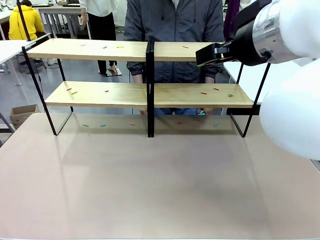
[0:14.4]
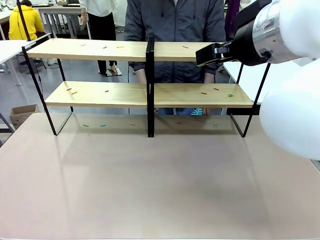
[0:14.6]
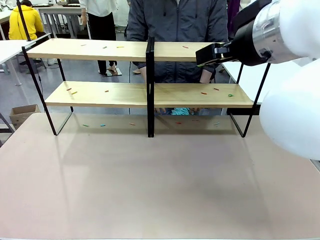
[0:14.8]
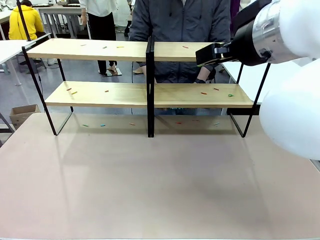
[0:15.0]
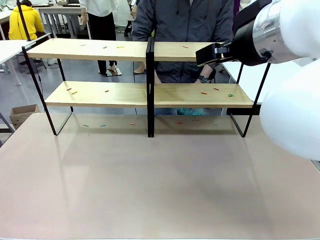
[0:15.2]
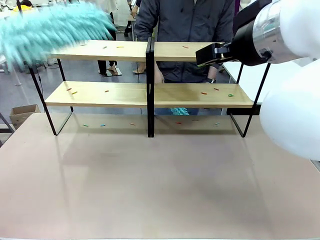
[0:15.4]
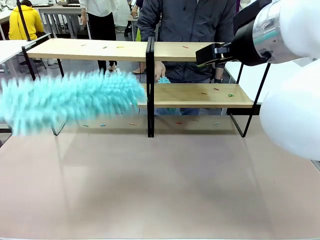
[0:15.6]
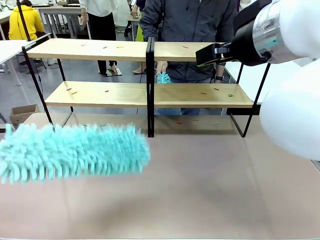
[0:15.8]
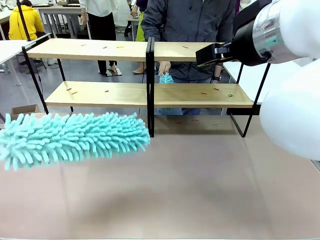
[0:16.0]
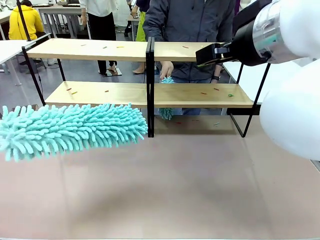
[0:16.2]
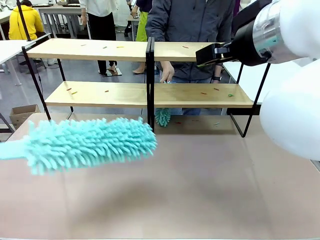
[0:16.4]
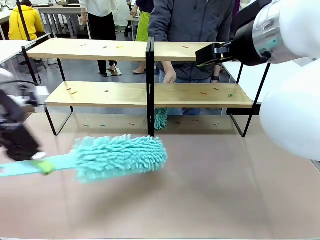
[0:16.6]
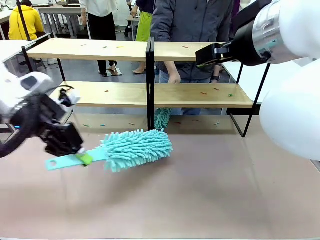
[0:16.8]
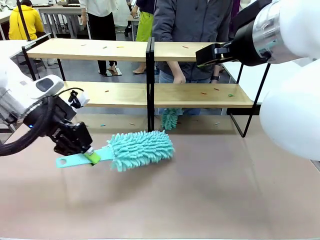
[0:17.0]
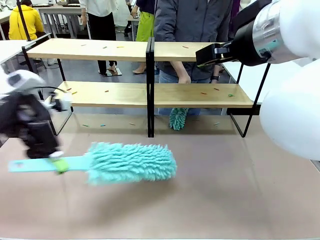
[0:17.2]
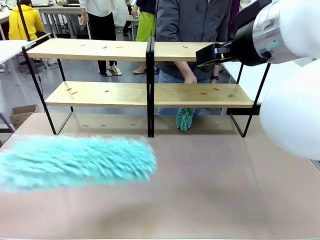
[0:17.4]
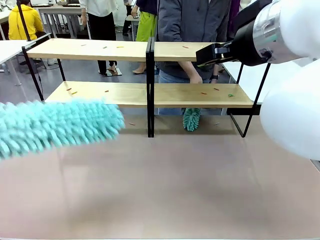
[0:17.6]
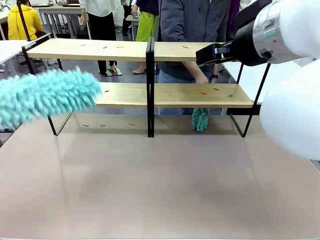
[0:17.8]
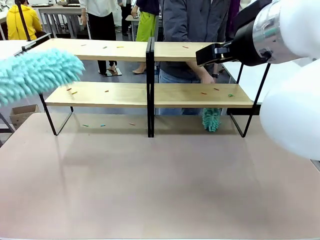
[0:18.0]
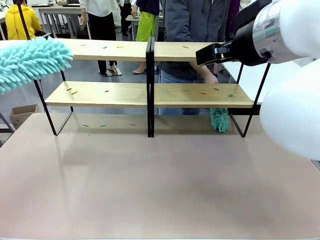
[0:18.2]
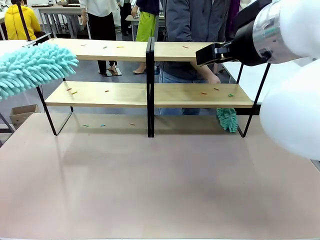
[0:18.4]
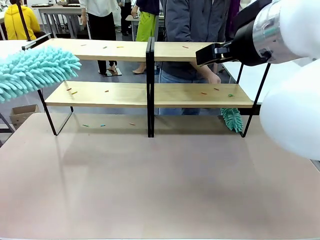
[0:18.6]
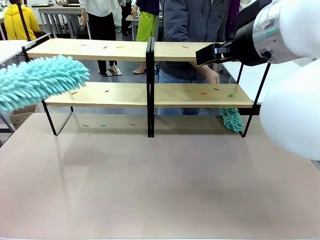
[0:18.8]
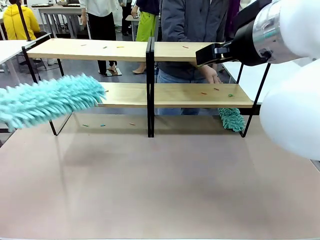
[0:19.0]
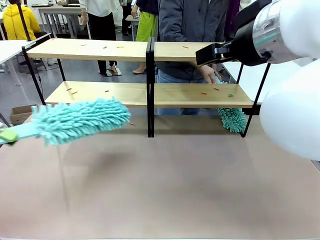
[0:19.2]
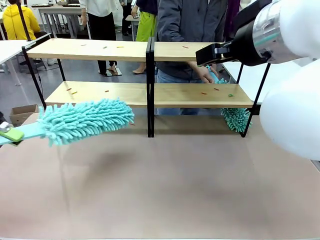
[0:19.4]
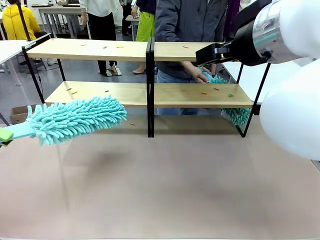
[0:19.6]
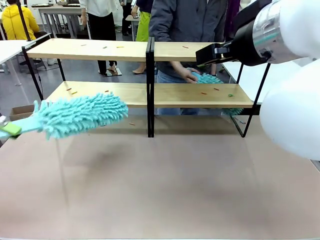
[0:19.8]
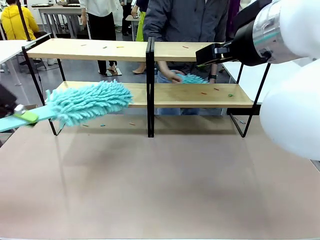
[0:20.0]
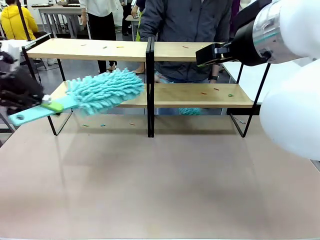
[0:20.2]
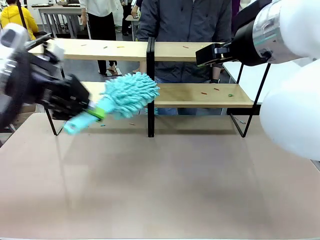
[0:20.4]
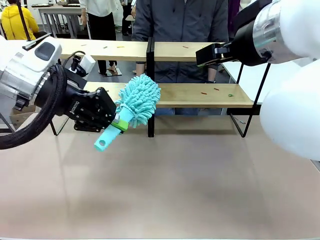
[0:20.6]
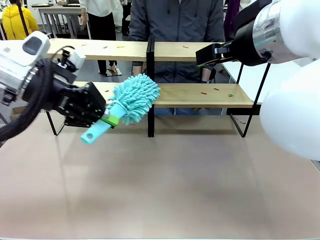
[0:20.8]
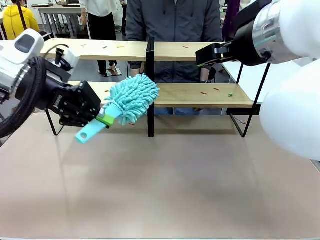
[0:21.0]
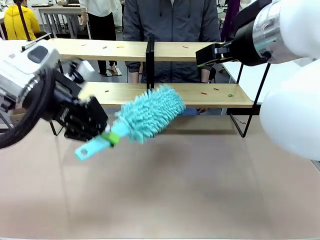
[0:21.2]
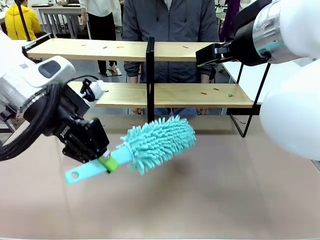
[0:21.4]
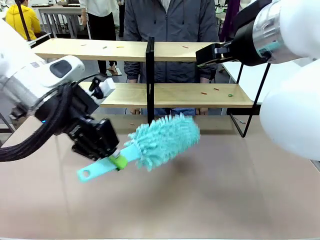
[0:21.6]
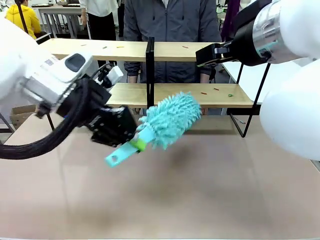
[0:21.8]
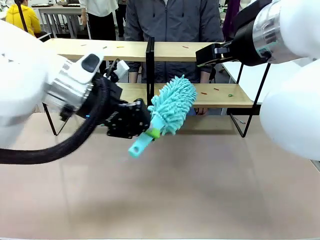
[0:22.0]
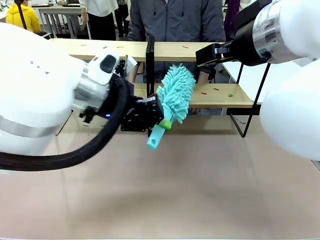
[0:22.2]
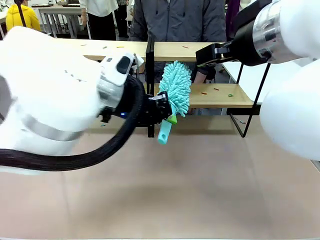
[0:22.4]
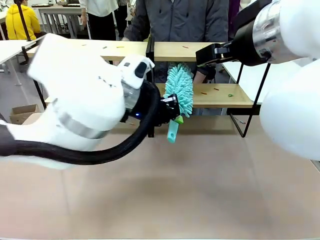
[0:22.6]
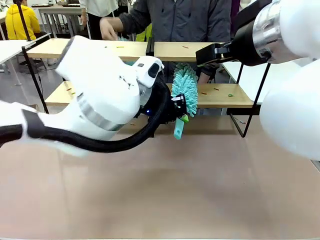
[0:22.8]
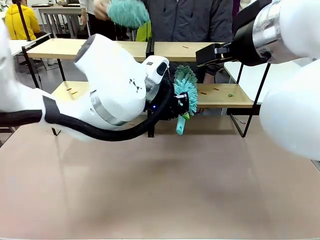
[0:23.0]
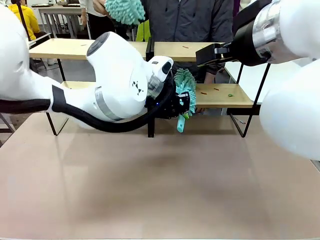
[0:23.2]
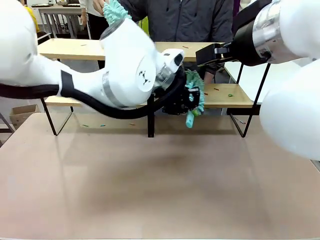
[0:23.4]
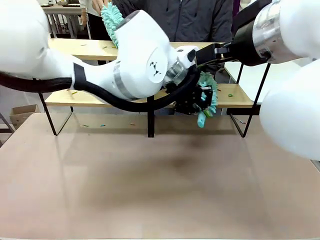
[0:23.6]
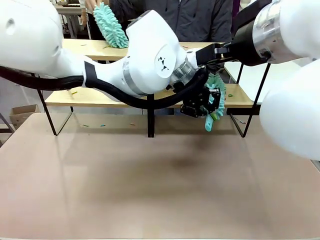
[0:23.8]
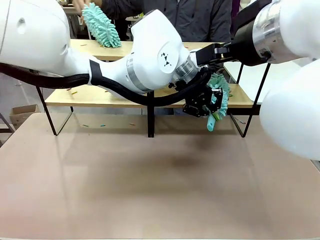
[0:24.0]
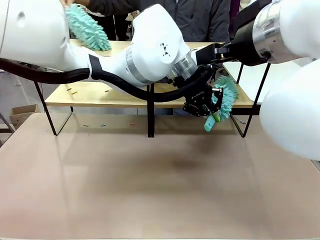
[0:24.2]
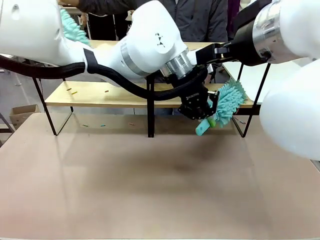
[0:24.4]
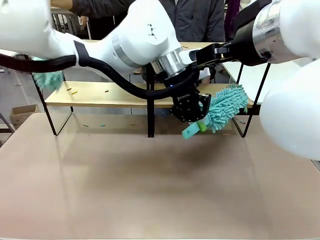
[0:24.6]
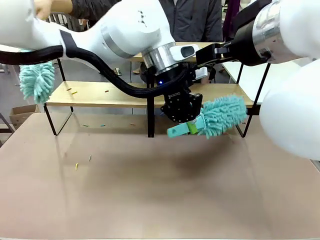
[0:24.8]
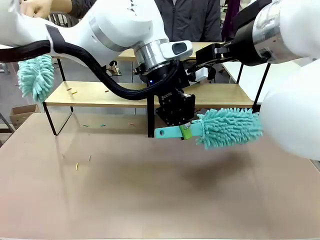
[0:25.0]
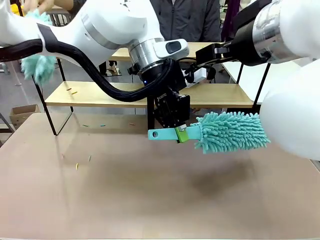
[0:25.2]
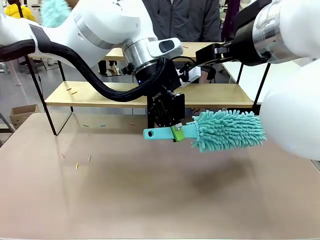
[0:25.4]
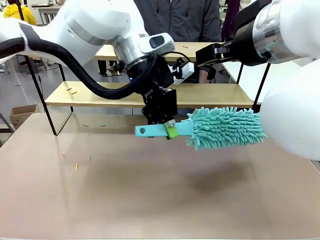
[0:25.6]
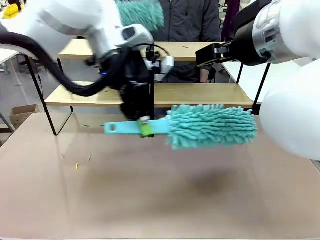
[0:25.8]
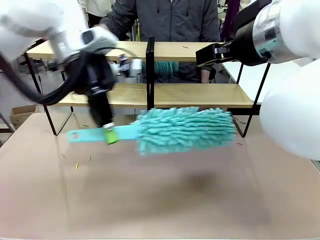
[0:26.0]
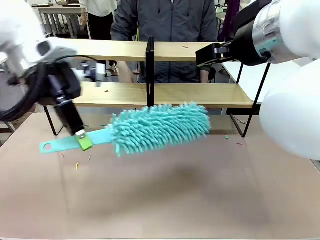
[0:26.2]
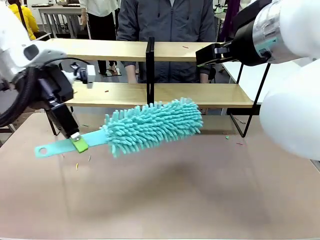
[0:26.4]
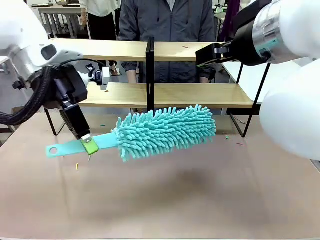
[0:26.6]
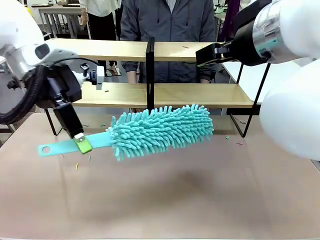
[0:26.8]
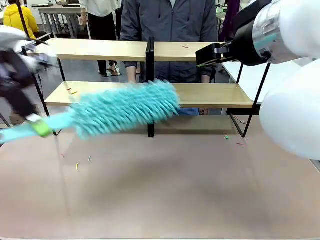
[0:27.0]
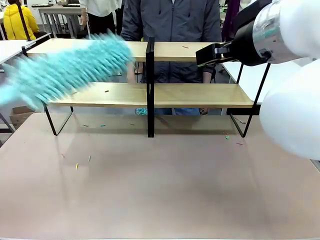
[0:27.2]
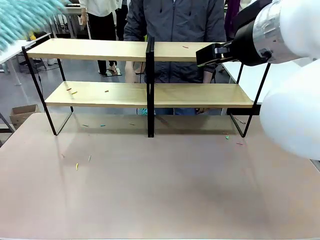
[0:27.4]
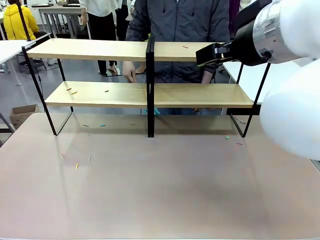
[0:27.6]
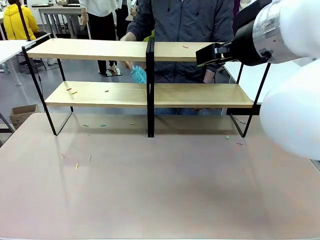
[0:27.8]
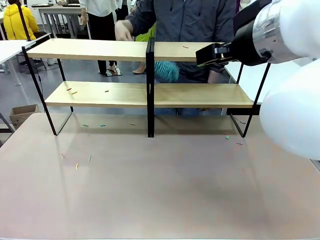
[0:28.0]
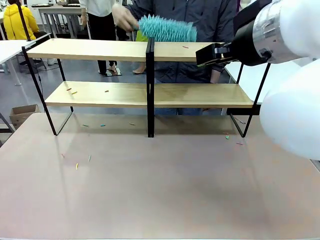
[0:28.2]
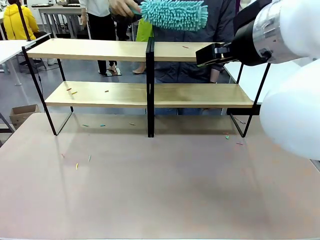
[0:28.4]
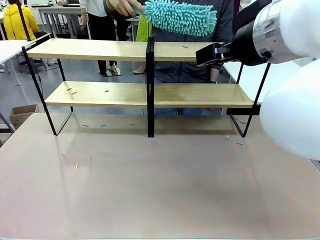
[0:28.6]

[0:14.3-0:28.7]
Task: Clean the shelves.
Robot: Clean a randomly selected level of the Shelf with the Duster.

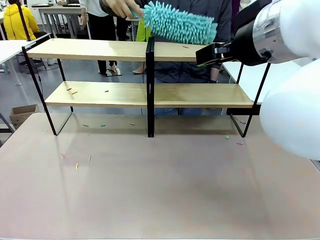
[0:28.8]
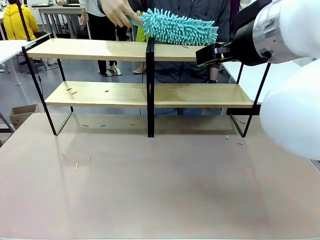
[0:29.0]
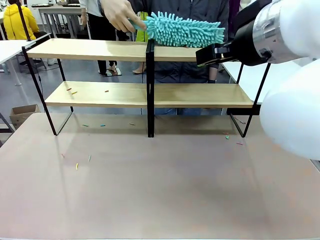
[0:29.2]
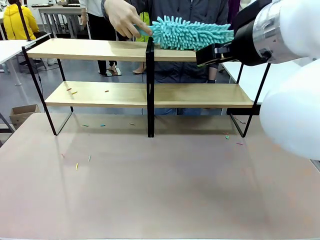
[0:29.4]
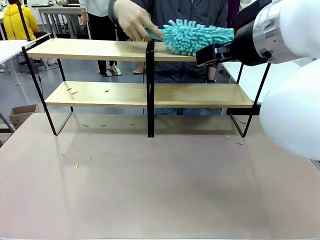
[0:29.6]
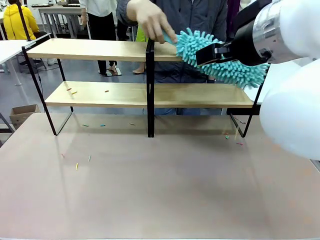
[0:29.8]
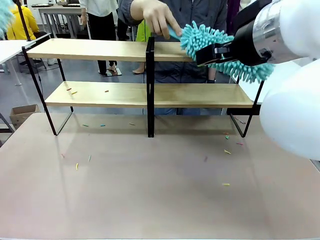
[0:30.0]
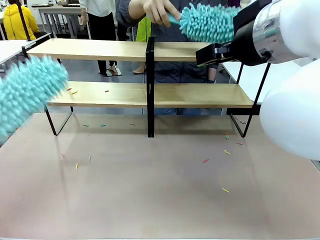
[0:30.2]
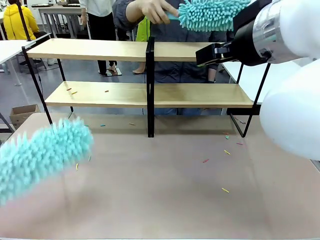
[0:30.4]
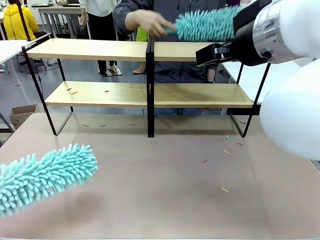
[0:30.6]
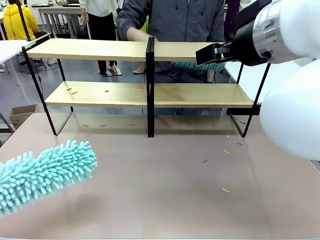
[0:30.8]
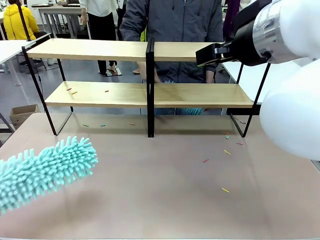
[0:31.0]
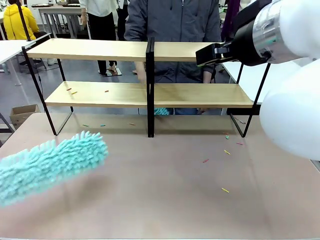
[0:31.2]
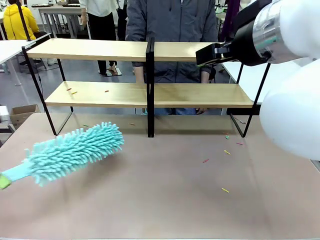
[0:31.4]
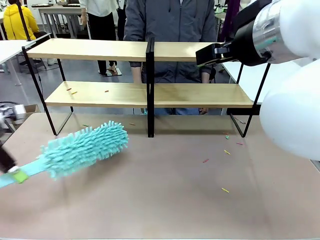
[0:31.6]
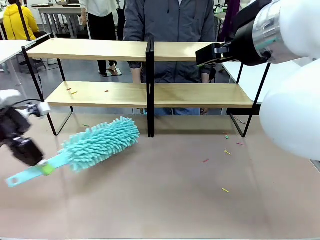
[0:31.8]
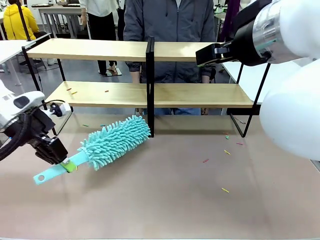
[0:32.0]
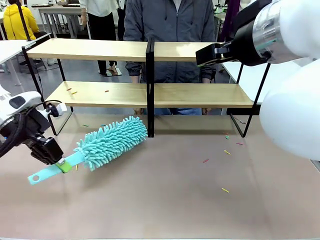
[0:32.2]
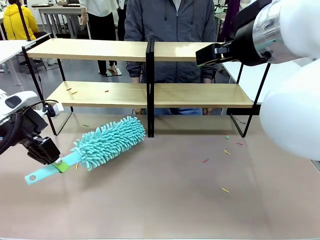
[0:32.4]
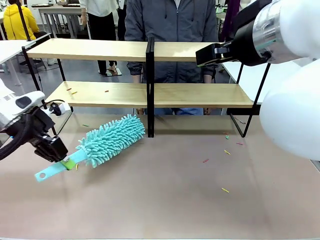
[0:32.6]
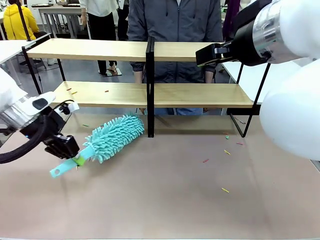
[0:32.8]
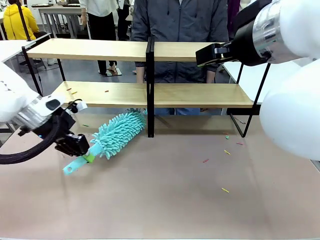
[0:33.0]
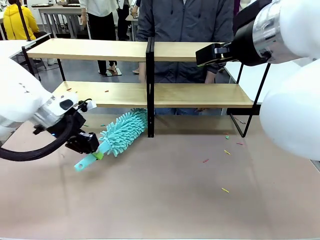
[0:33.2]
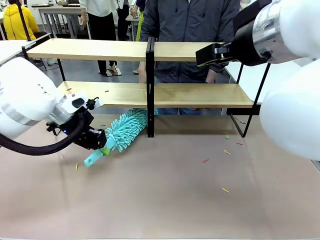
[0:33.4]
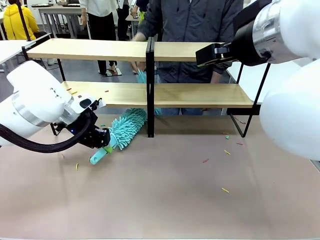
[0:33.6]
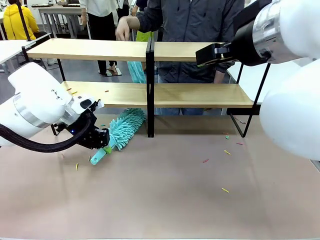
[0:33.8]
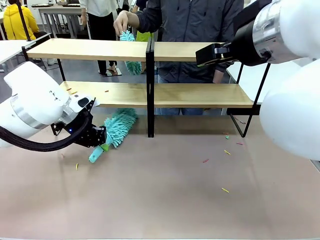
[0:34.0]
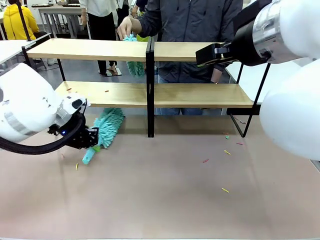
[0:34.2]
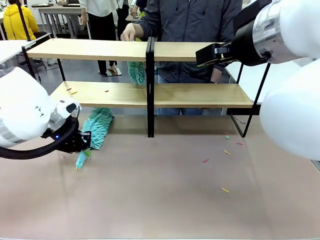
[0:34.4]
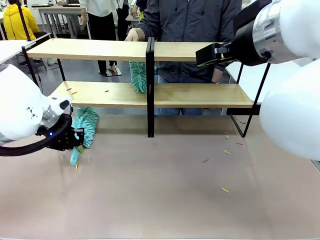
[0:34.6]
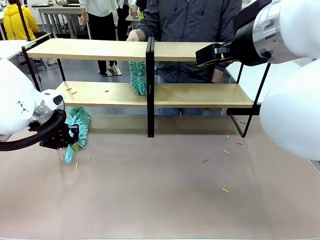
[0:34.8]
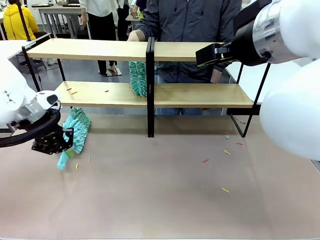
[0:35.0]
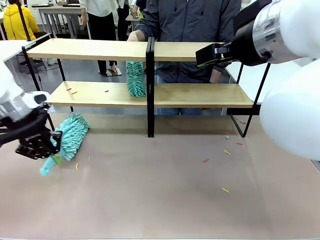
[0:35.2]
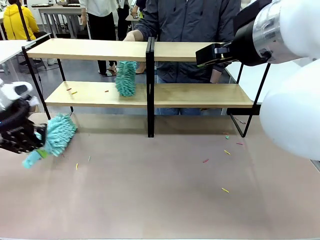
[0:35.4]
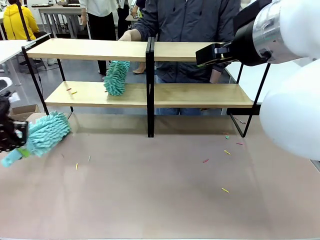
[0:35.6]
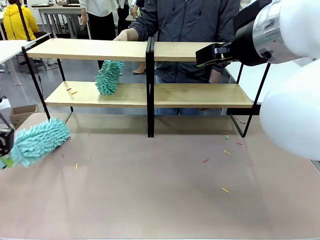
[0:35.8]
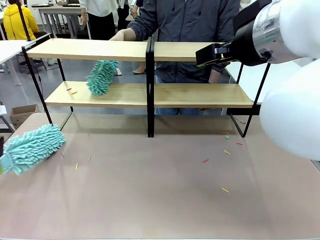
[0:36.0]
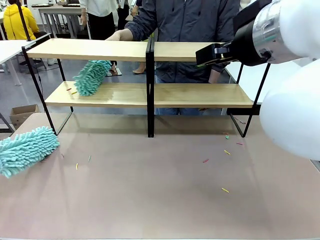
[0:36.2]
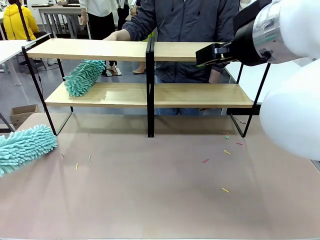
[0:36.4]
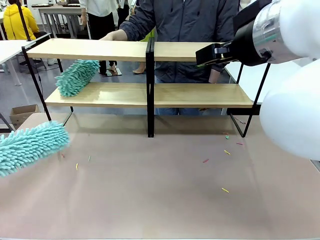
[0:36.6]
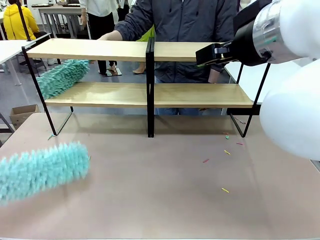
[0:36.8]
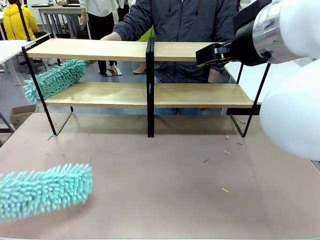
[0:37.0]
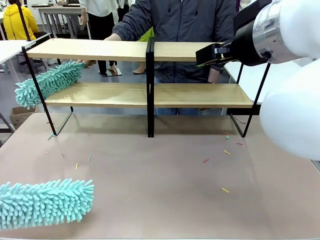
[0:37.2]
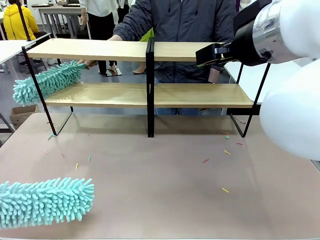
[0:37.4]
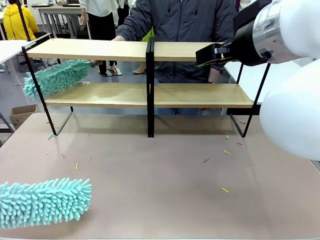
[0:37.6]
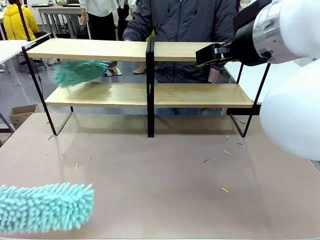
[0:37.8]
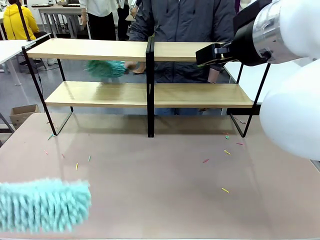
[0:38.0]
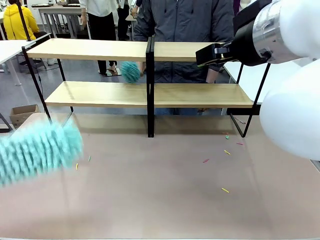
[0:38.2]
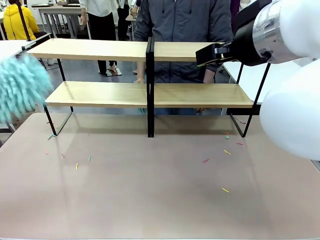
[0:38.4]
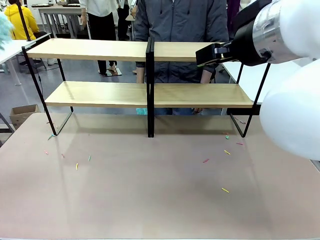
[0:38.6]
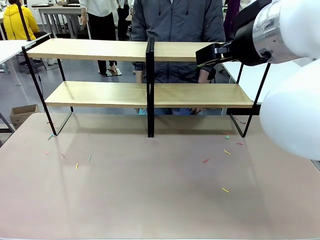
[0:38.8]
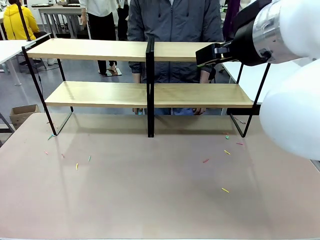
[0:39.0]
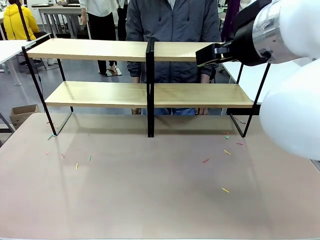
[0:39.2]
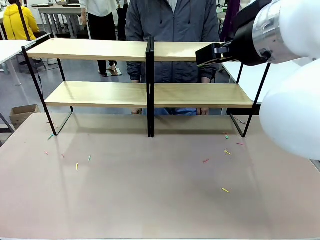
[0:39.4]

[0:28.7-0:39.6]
Robot: Clean another randomly selected level of the Shelf with the Duster.
